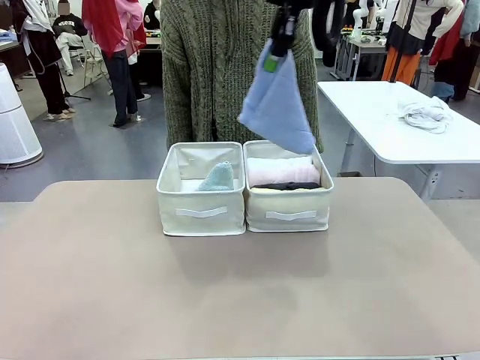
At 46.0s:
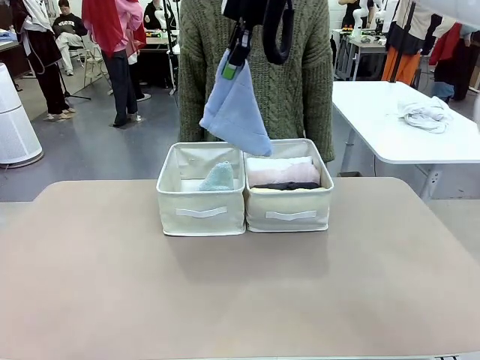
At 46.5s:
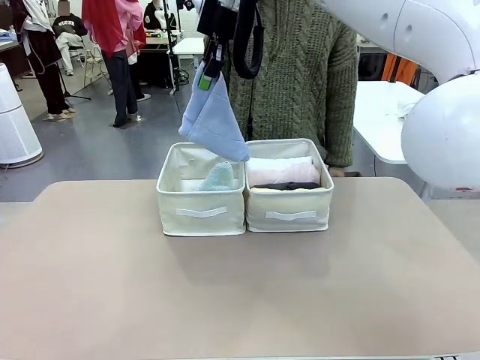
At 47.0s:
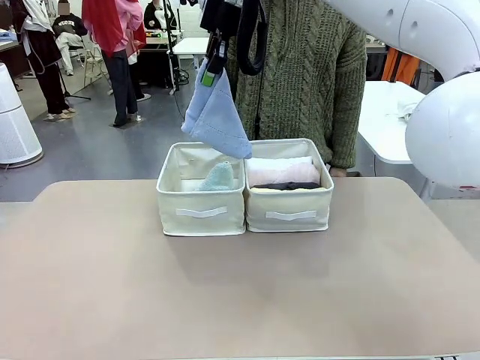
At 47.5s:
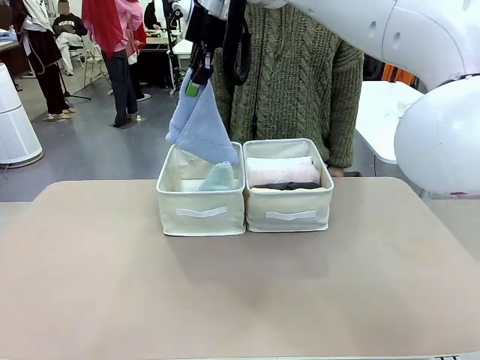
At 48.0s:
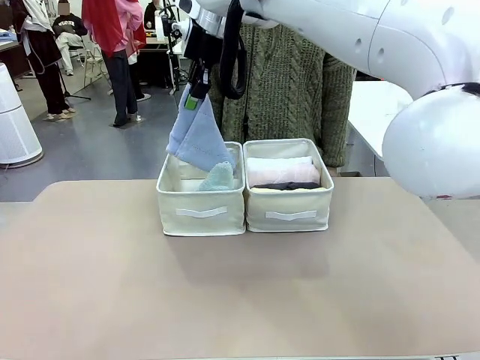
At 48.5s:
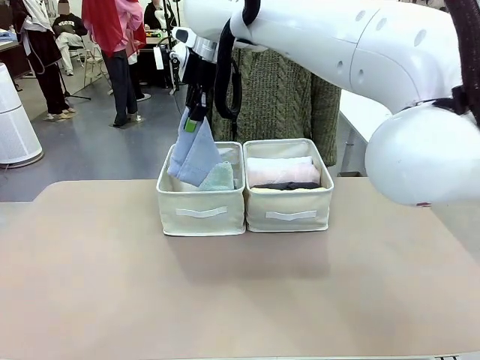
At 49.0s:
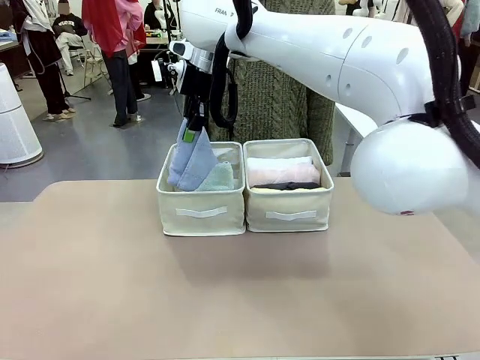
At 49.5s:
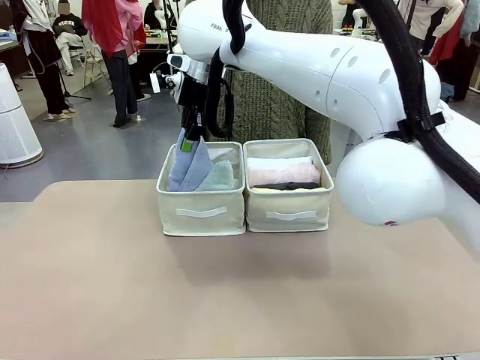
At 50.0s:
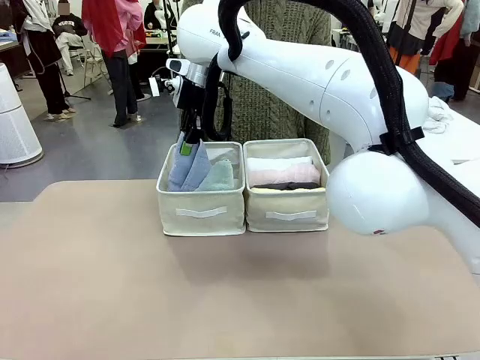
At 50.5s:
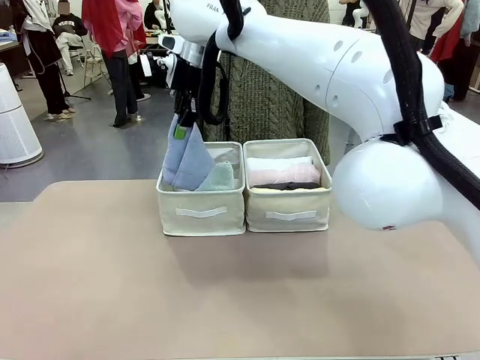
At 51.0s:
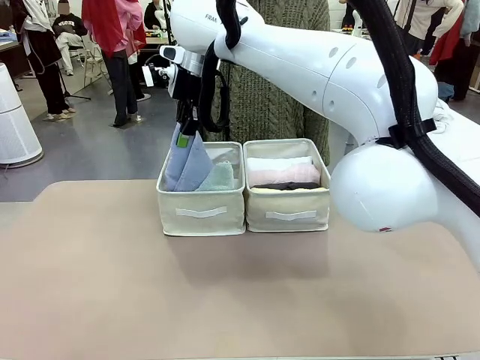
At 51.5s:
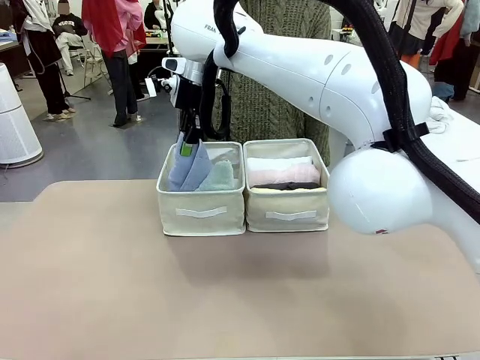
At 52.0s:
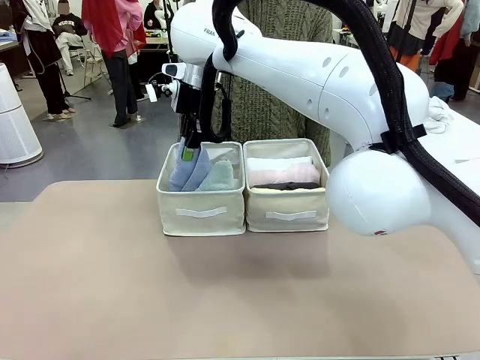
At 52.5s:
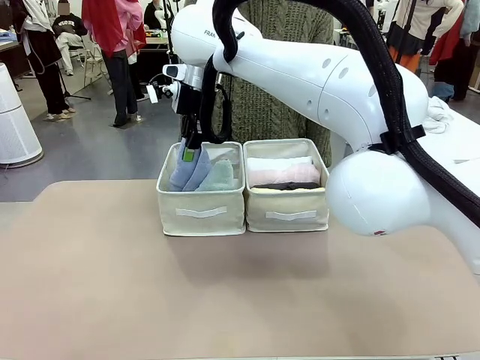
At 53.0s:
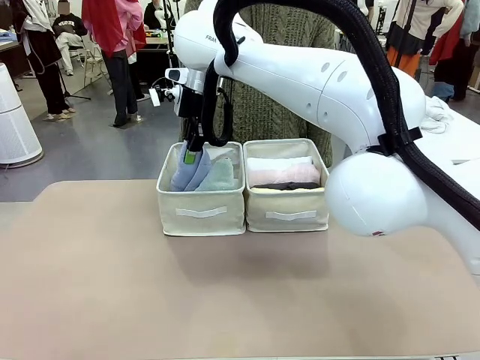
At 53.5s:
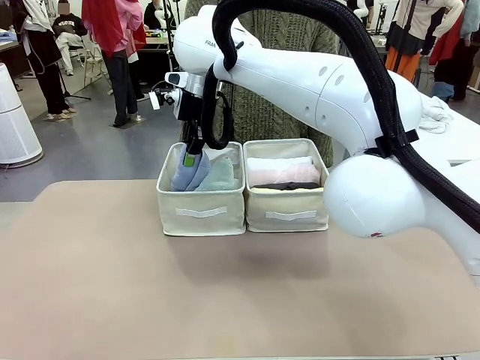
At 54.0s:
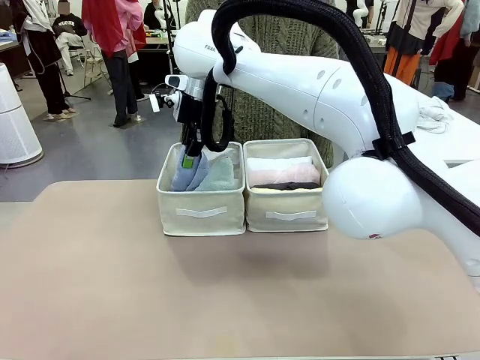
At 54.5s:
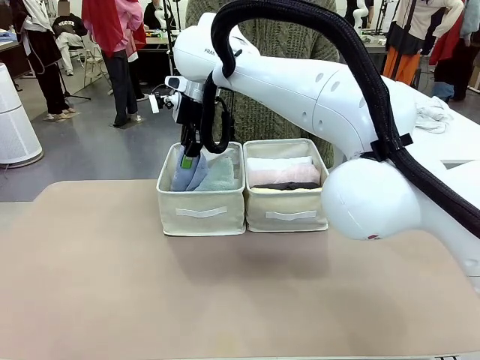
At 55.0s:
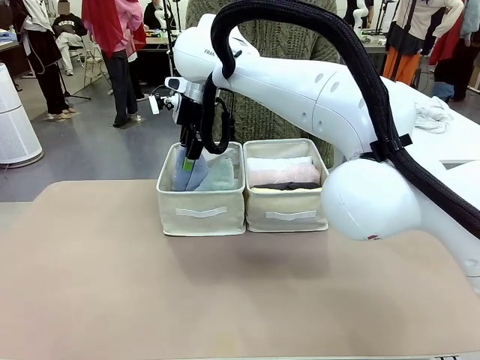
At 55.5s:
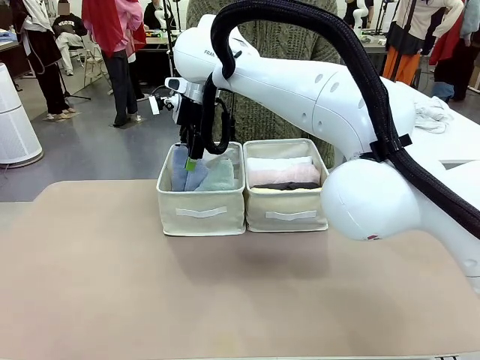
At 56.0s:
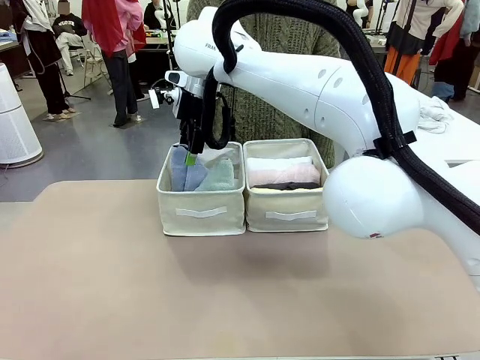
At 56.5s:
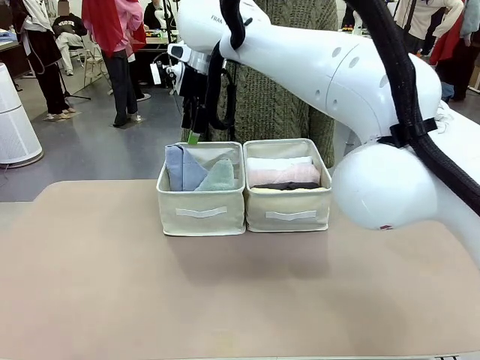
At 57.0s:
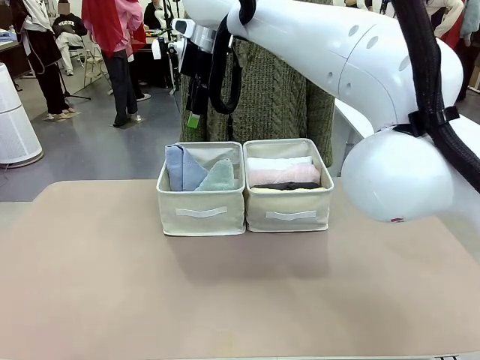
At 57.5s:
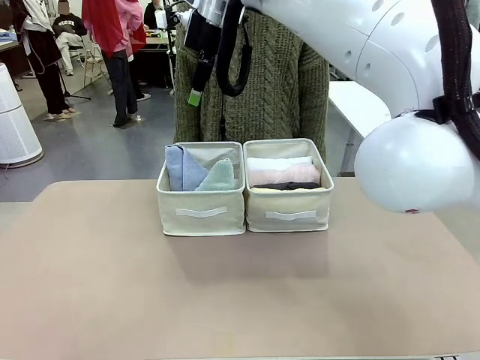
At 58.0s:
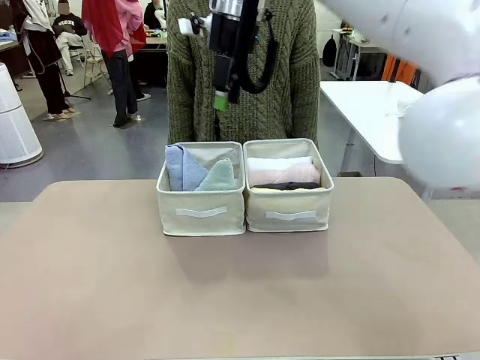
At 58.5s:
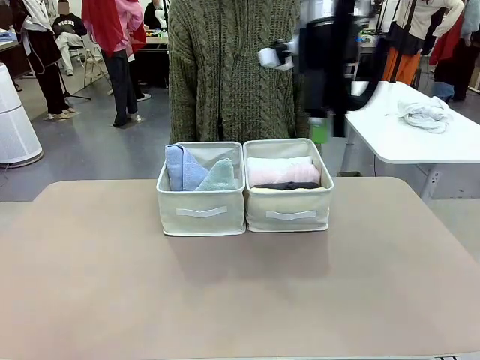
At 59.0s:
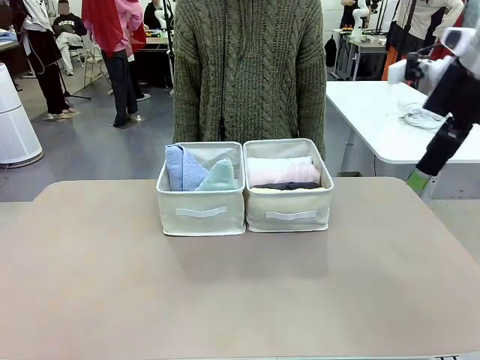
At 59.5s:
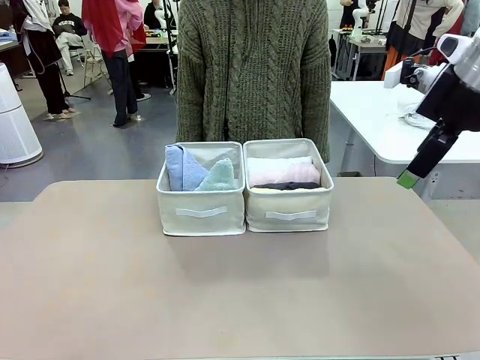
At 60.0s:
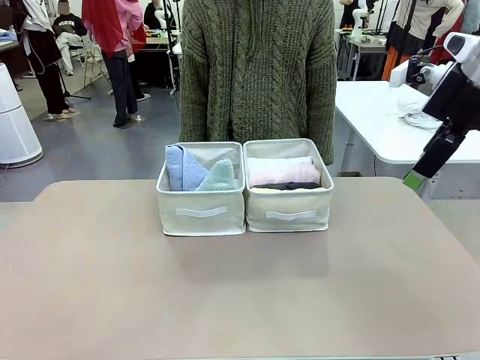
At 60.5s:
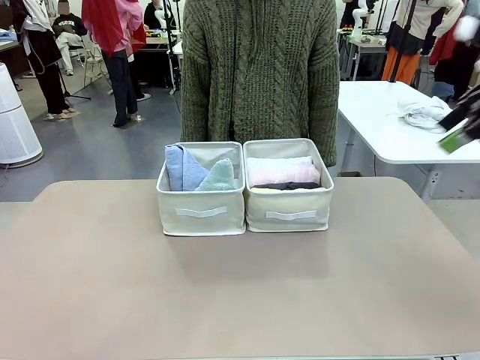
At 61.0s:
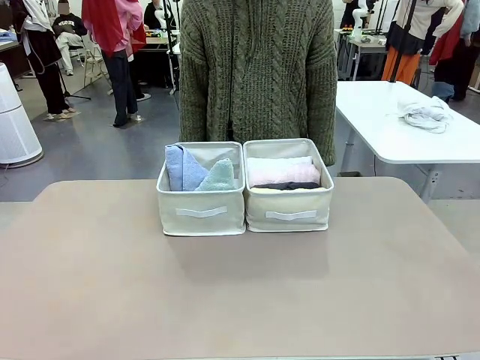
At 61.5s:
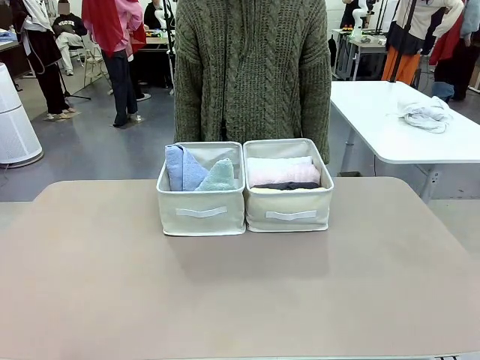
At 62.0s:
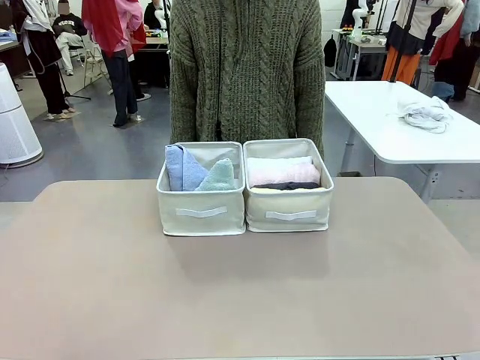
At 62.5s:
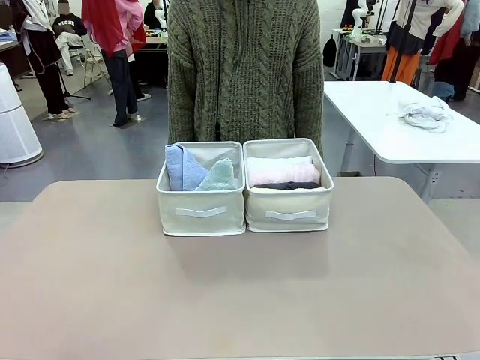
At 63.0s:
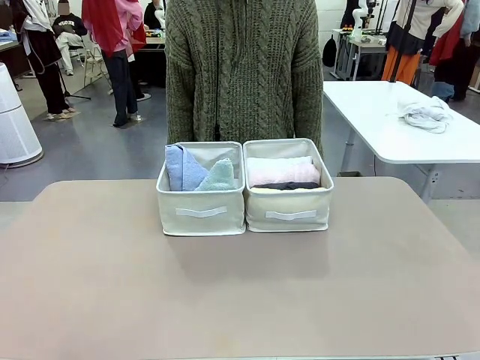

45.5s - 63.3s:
Task: Sort the towels based on their folding style.
Robot: Pick up another triangle-folded towel from the table and place it in the left Fabric basket.

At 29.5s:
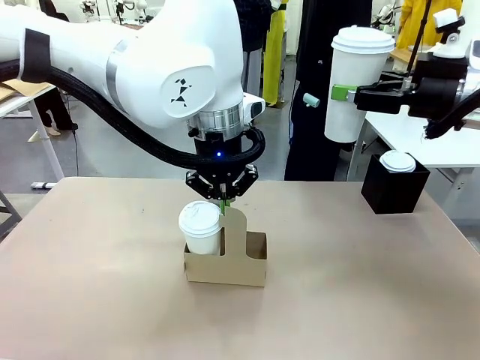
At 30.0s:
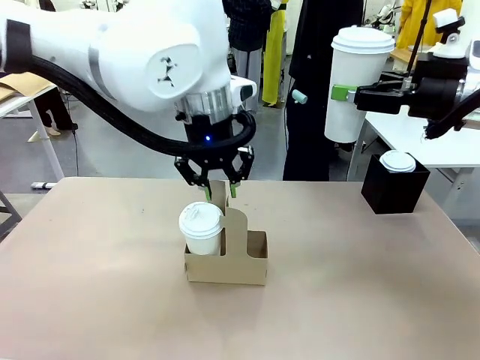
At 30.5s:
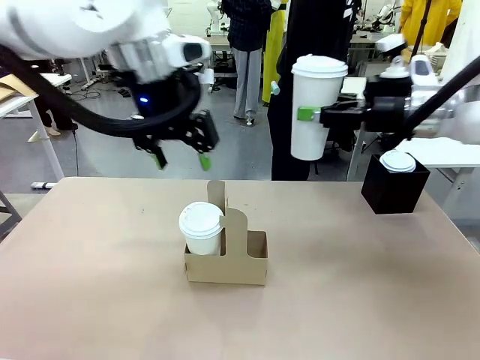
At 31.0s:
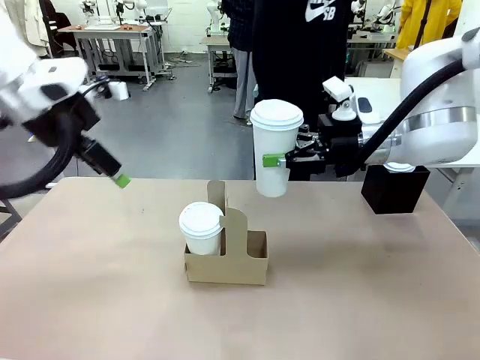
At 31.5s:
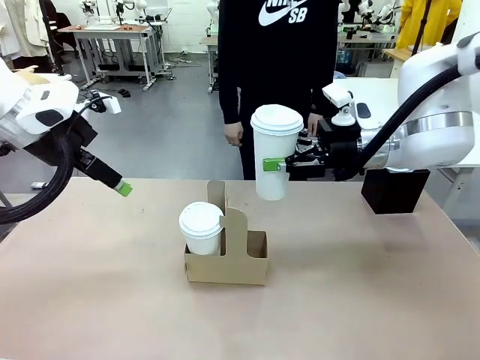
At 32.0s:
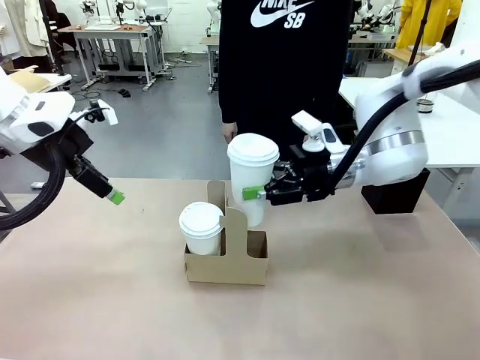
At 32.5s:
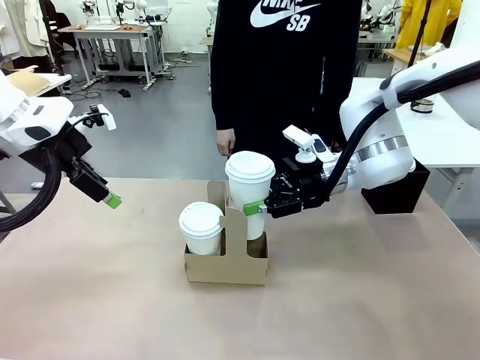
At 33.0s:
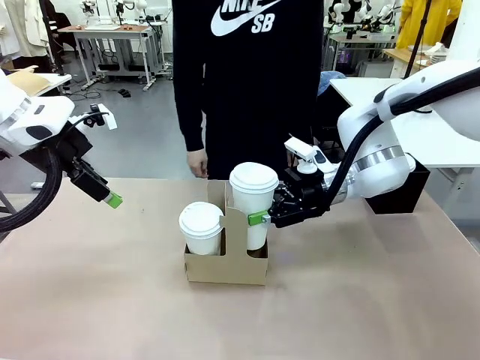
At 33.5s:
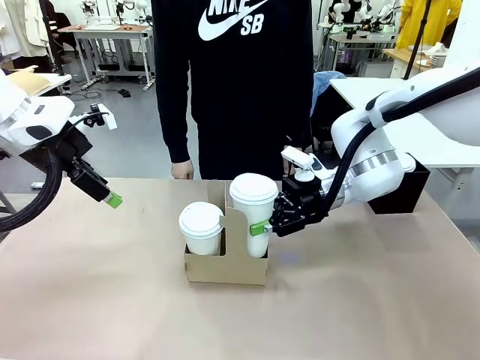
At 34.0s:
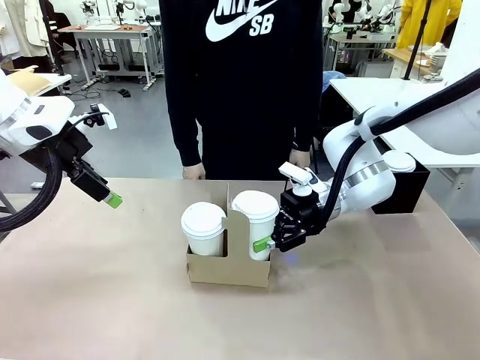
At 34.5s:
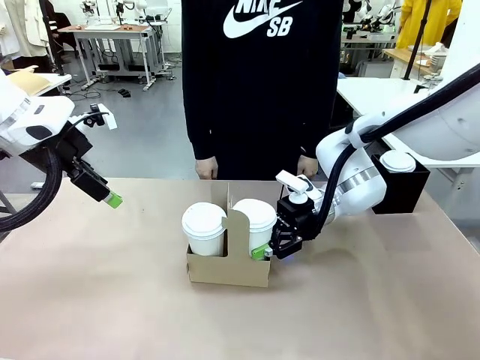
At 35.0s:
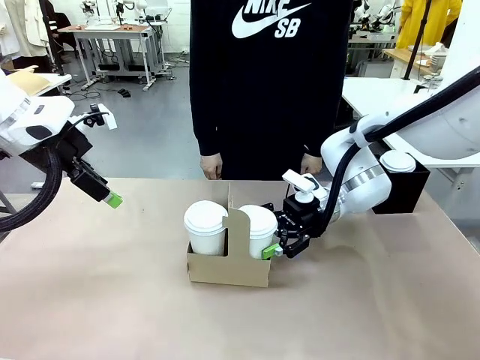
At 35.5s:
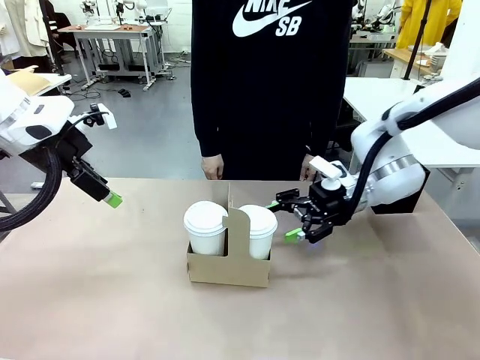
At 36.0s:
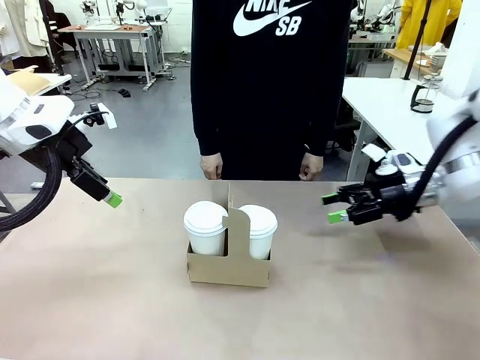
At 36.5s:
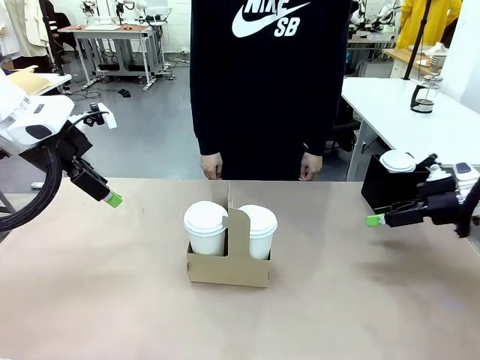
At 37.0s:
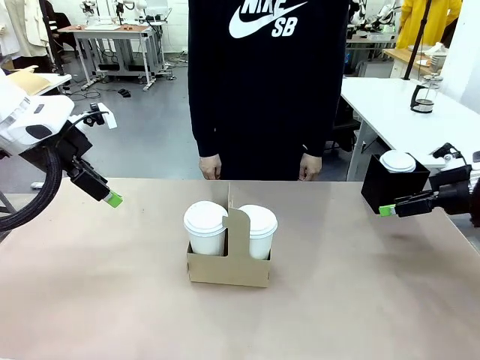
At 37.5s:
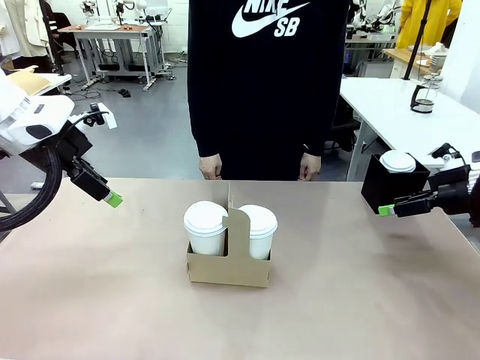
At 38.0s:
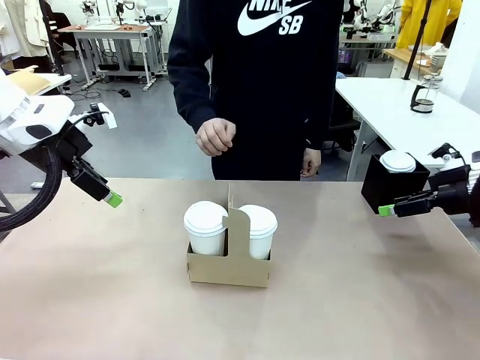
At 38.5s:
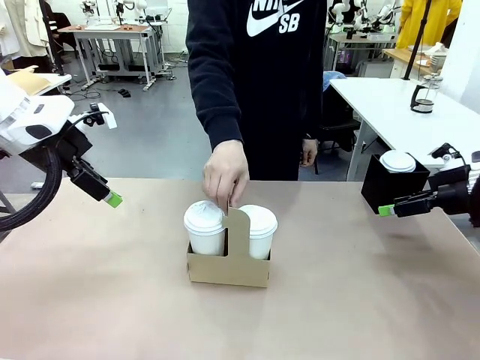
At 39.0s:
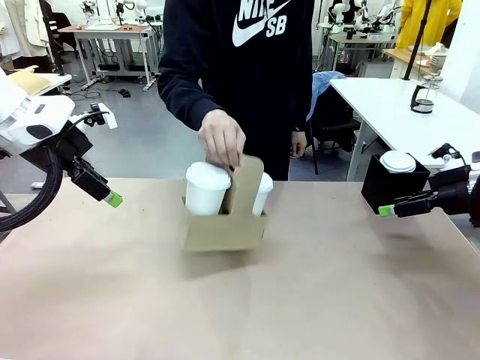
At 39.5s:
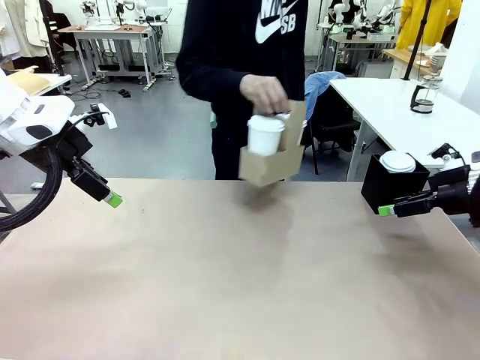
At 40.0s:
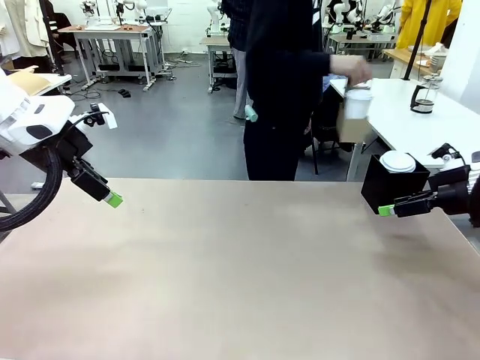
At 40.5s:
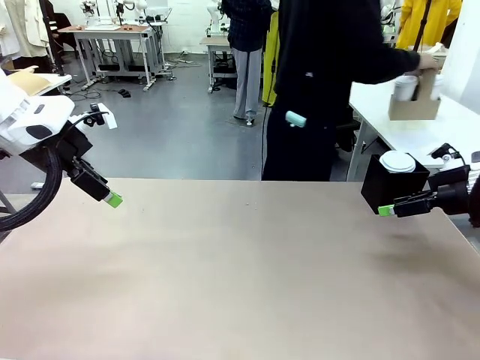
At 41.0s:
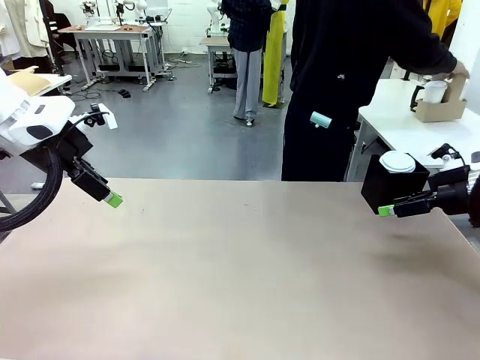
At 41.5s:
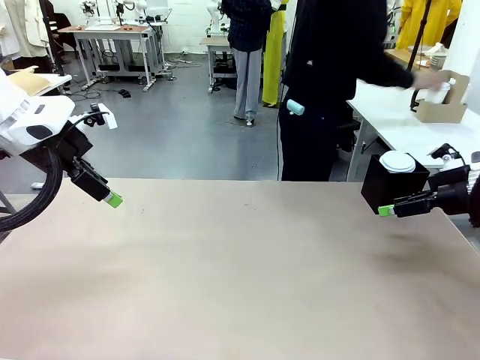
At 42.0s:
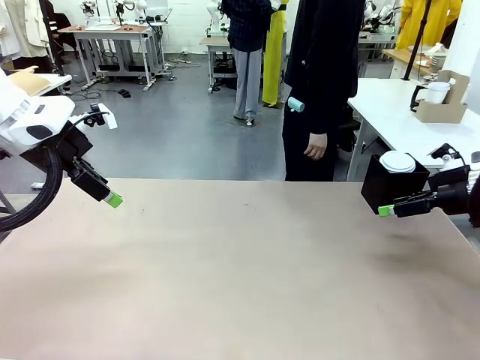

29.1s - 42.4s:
Task: Pour a drink into a cup and package it in a carrier.
Robot: Insert the held 600 ml Paper Cup into the Cup Carrier.
Person: Place the Cup Carrier to the middle of Human table.
